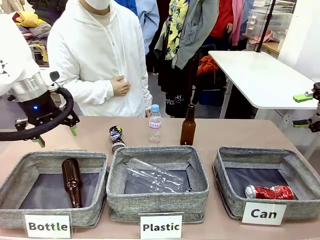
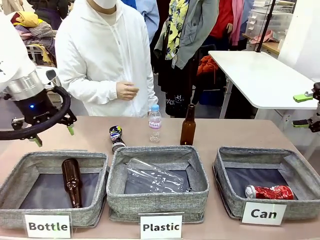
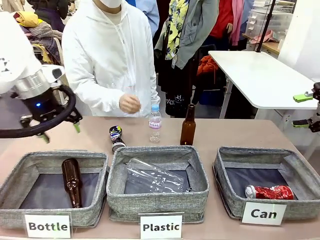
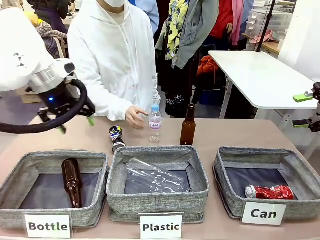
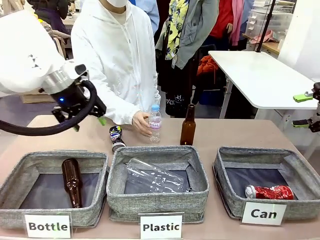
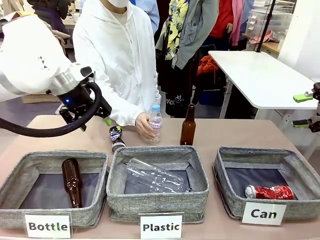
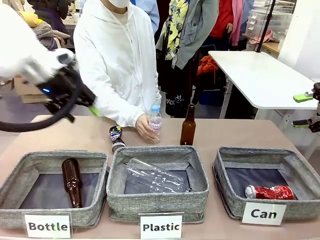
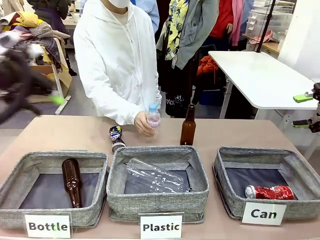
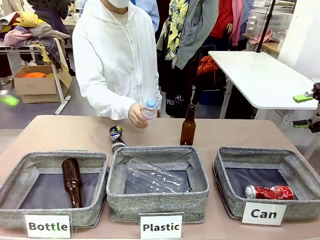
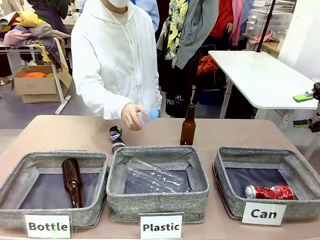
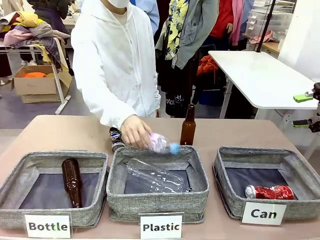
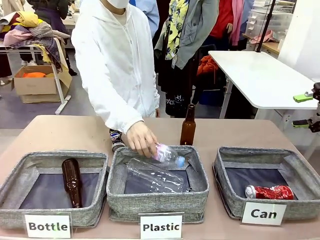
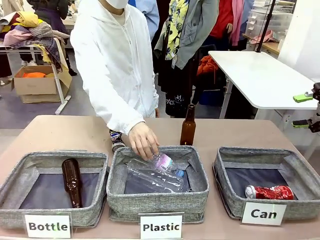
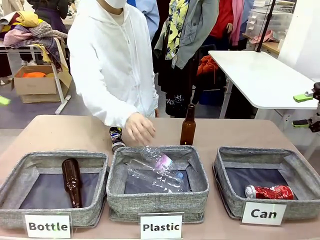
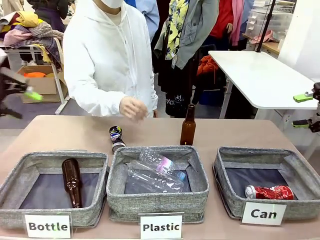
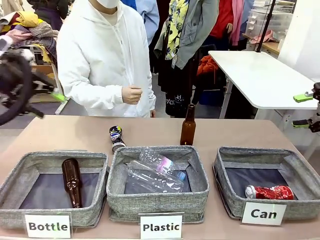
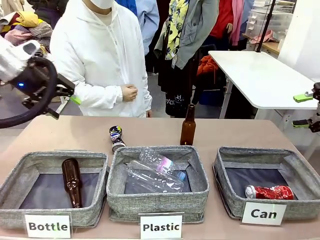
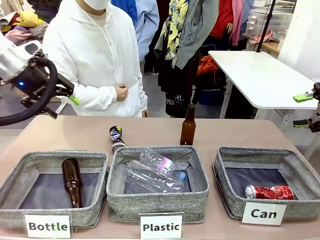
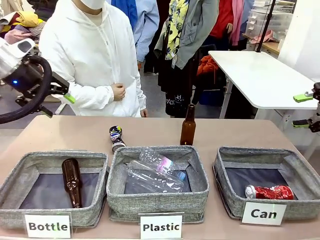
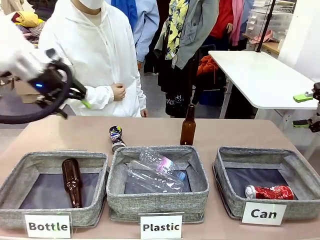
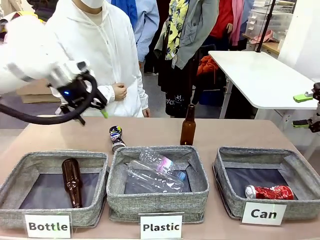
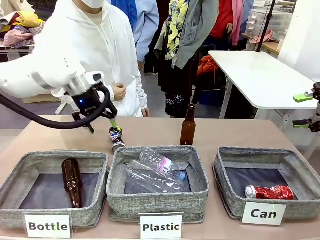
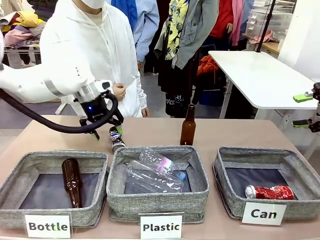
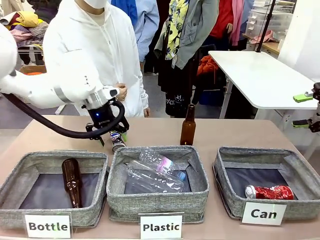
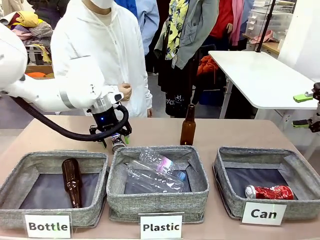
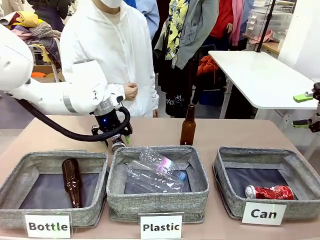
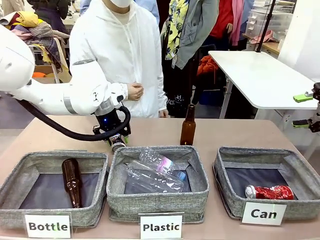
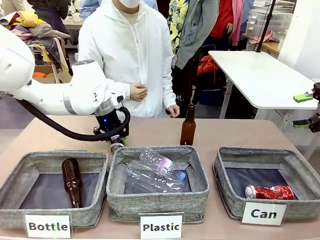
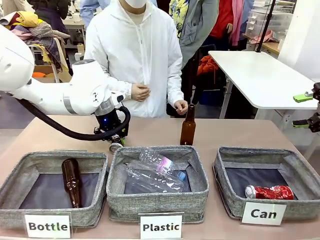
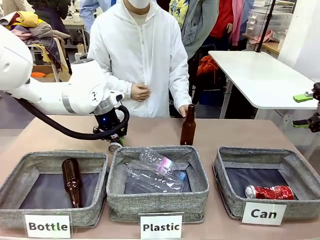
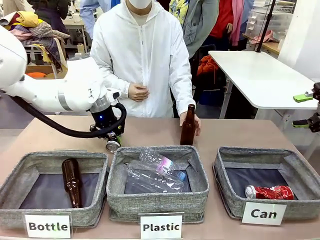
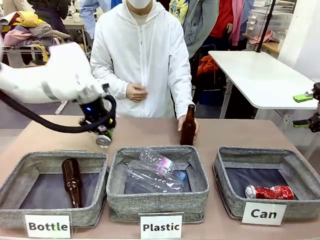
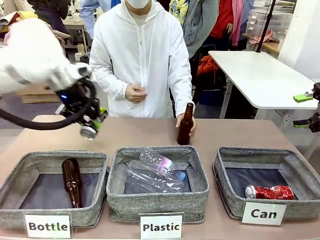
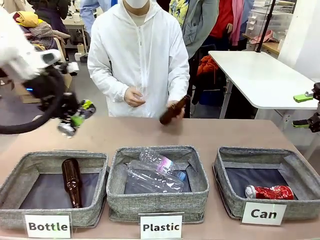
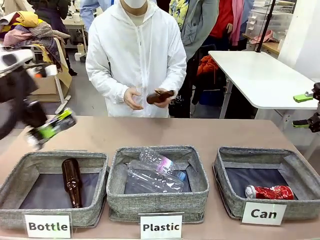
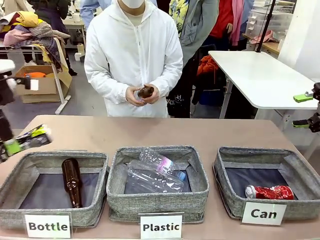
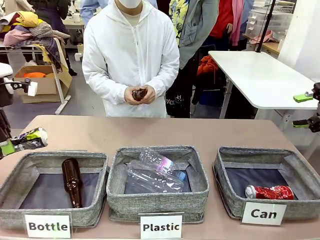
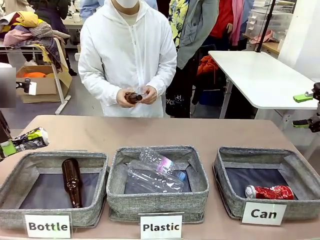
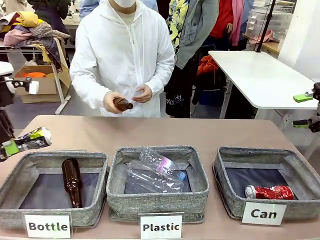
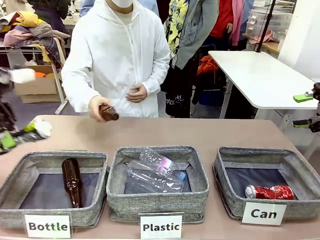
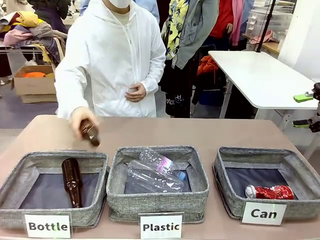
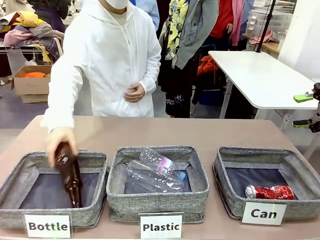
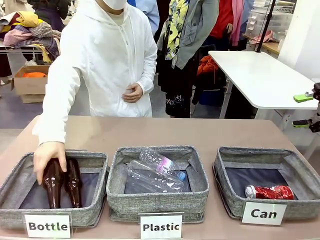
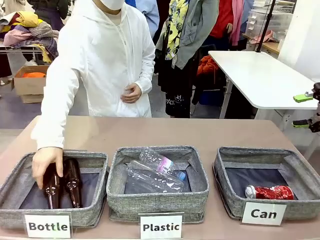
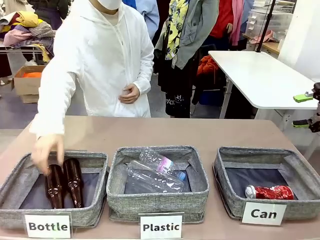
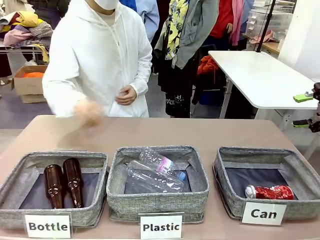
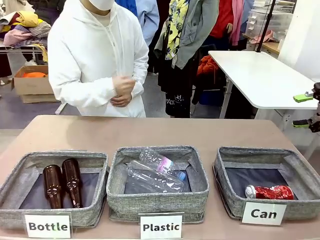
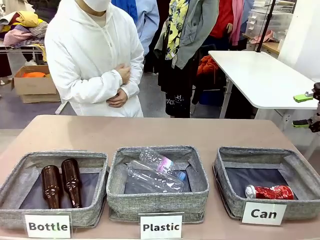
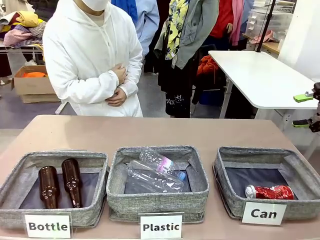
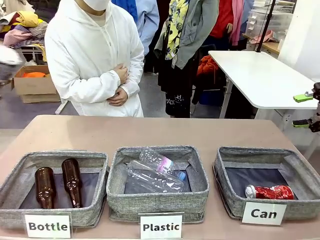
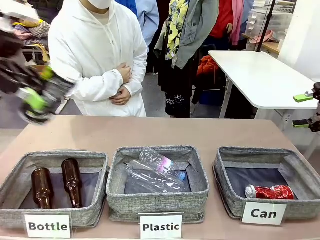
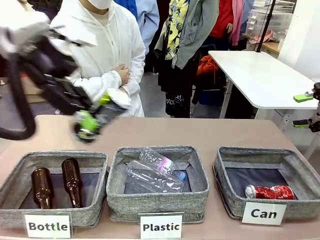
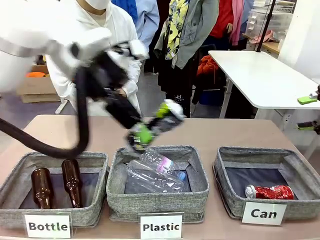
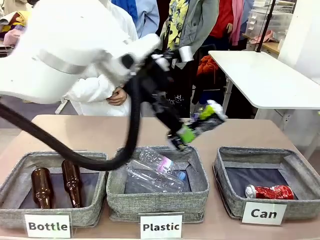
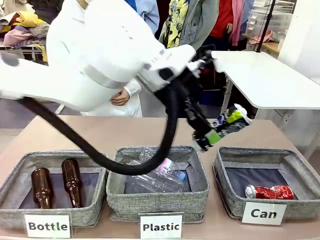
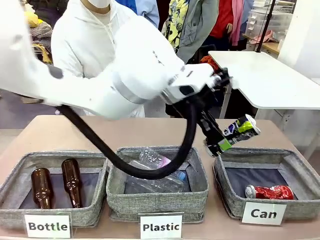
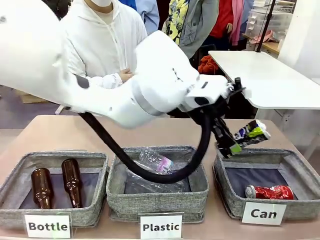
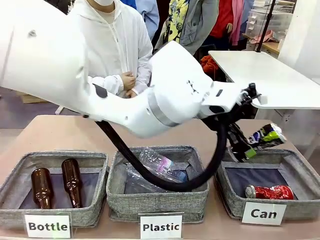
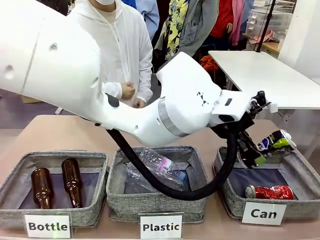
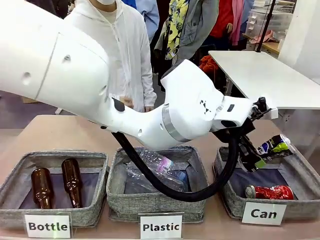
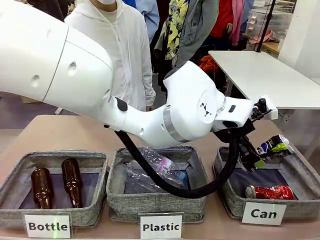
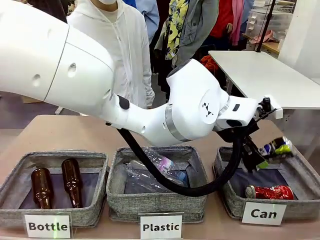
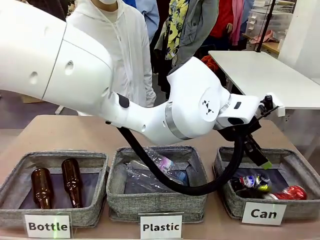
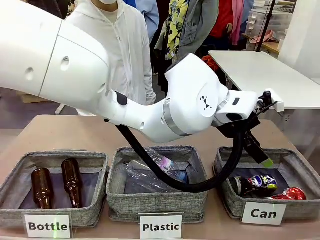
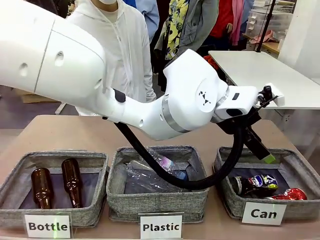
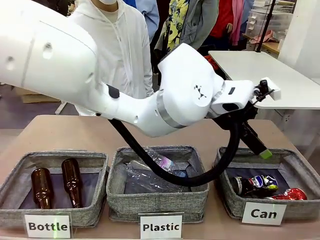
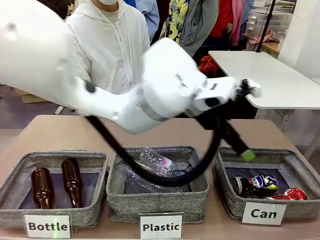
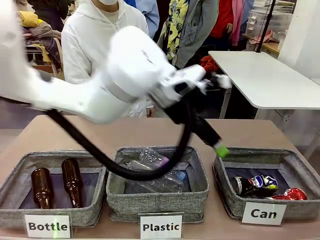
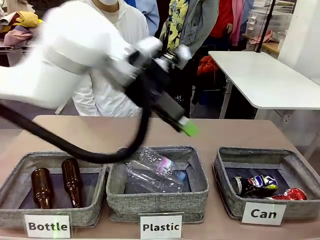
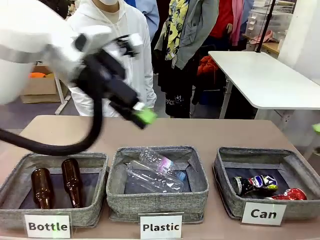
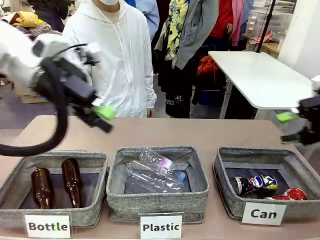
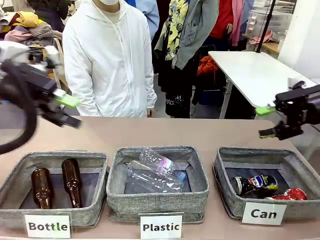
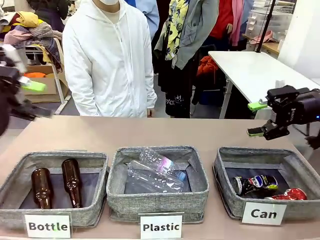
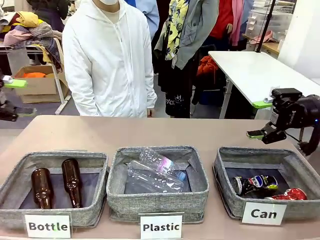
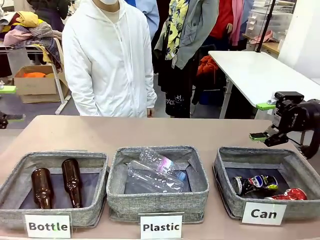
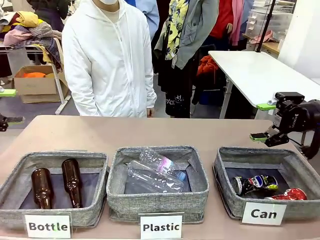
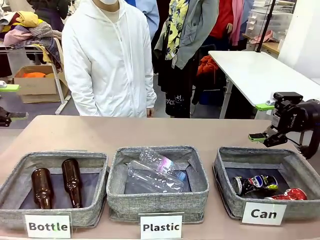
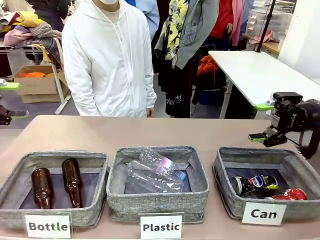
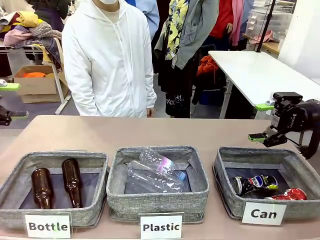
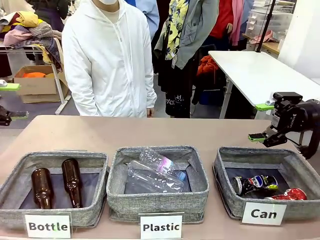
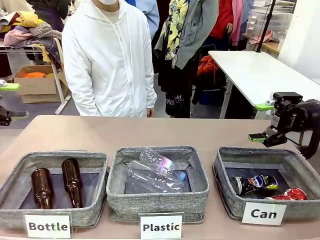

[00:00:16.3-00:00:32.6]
Task: Sort the can waste into the basket.
Robot: Pick up the can waste from the table and place it in the right Fabric basket.

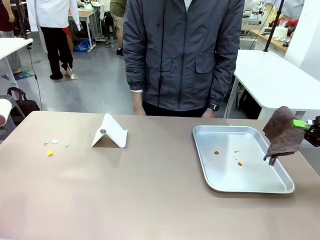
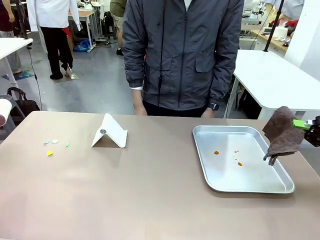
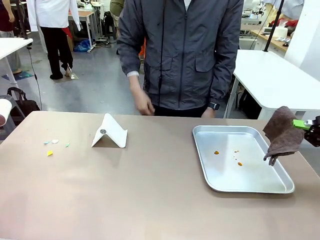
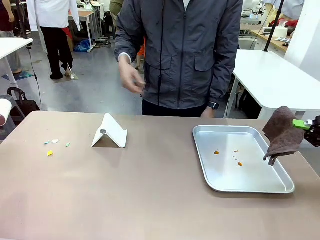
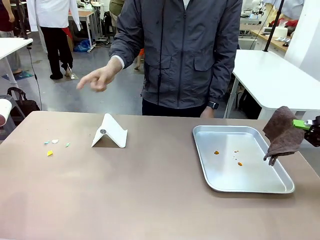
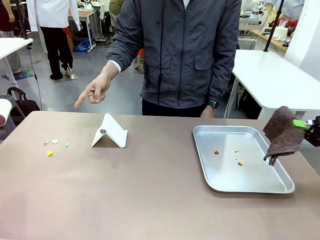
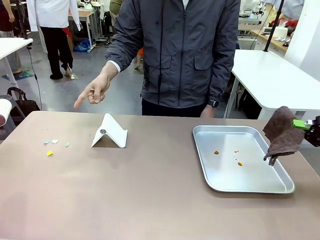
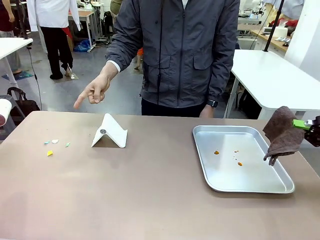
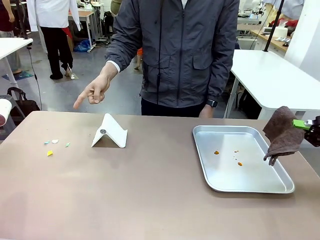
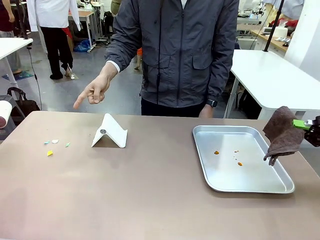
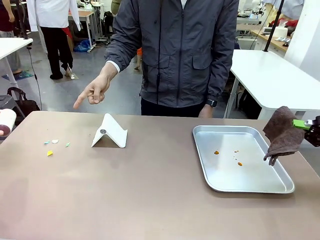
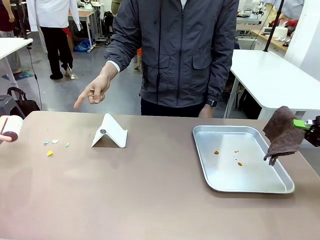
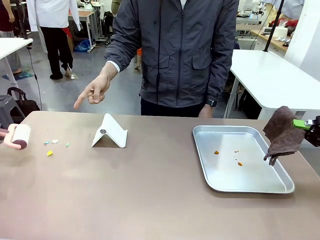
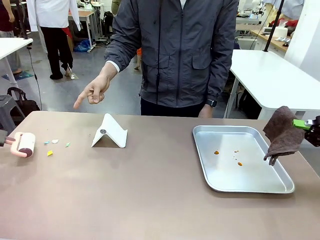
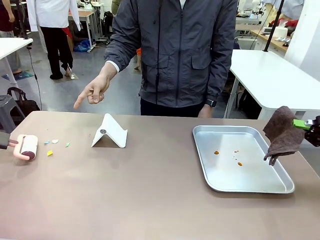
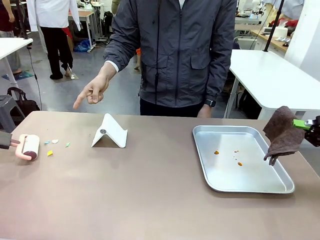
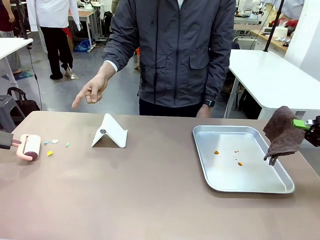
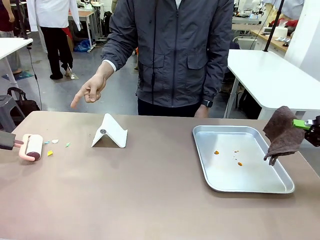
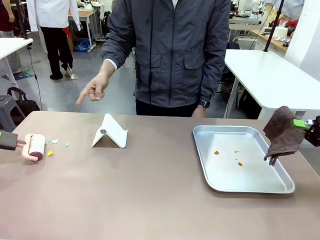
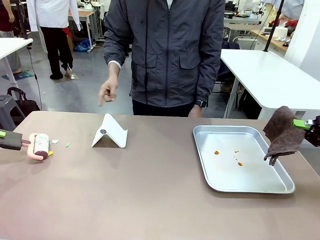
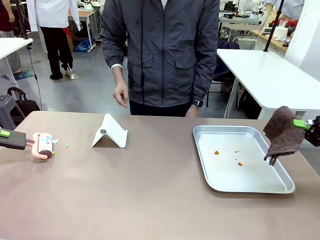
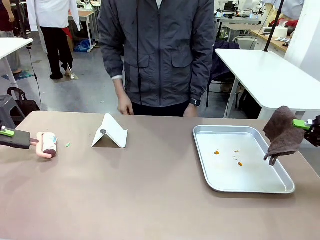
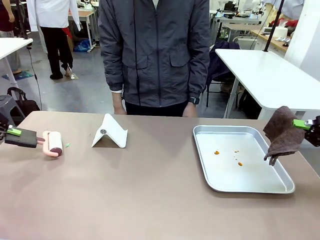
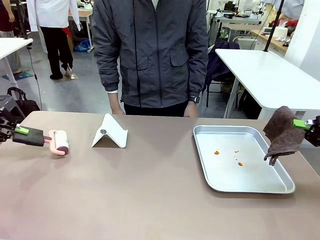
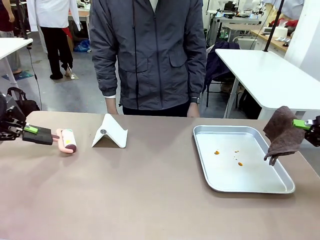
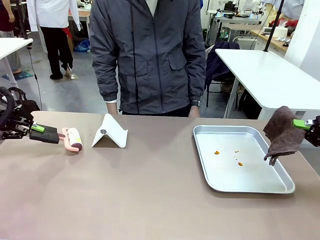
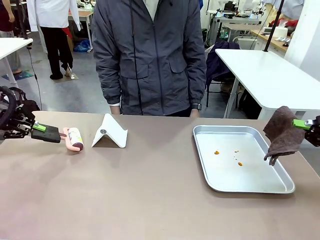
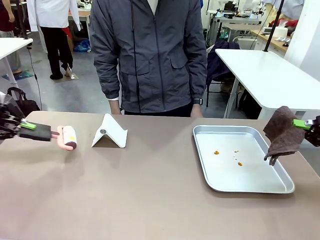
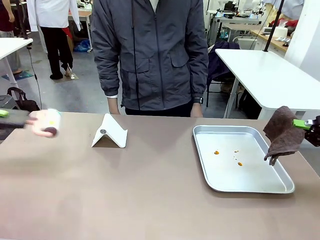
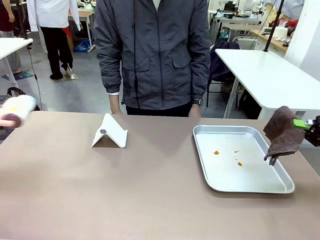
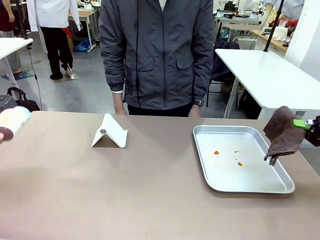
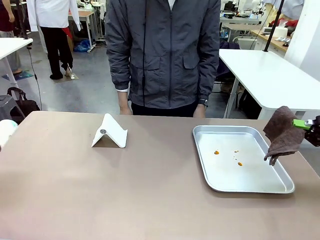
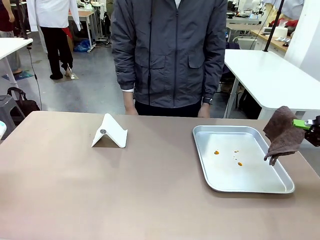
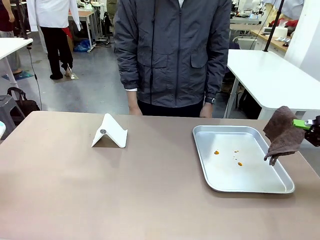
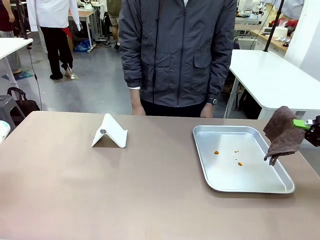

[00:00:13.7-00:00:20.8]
Task: Clean the surface of the table.
Robot: If a person points to the right, clean the right side of the table with your right hand, and if they point to the left, clean the left side with your left hand.
